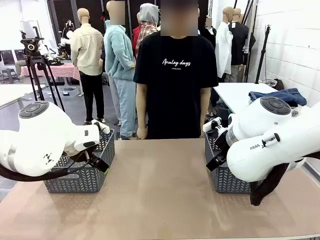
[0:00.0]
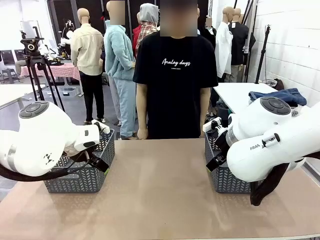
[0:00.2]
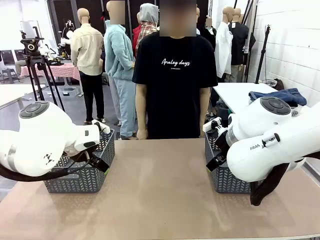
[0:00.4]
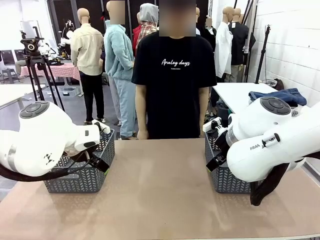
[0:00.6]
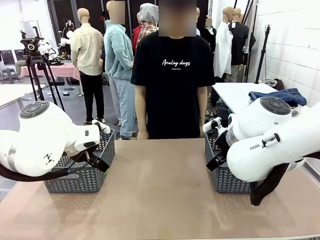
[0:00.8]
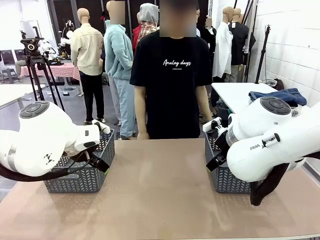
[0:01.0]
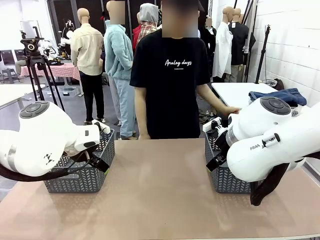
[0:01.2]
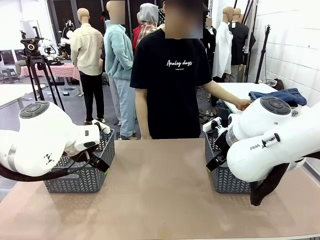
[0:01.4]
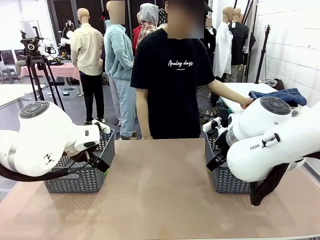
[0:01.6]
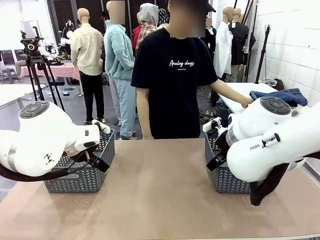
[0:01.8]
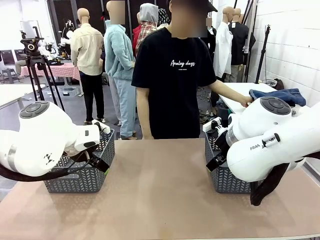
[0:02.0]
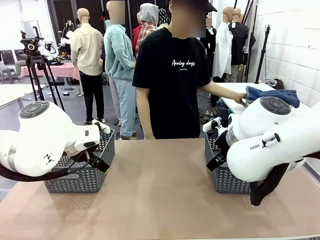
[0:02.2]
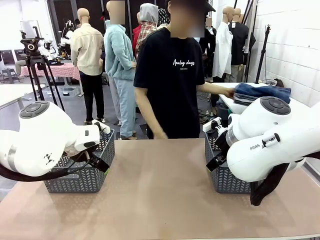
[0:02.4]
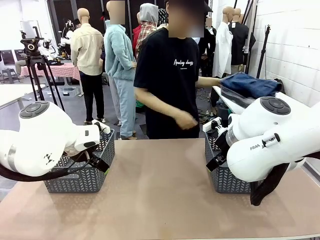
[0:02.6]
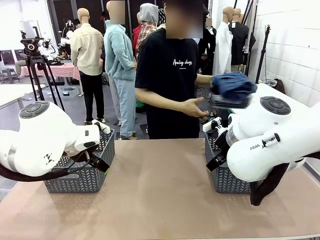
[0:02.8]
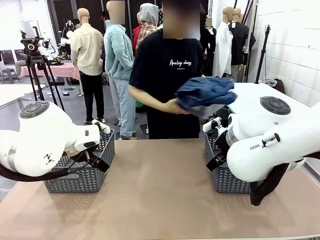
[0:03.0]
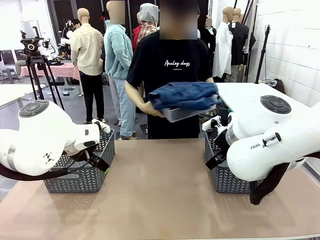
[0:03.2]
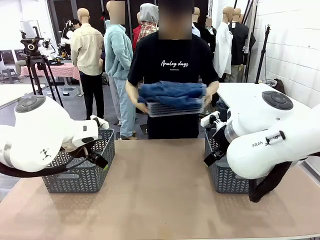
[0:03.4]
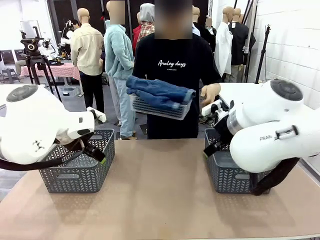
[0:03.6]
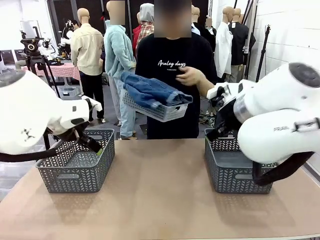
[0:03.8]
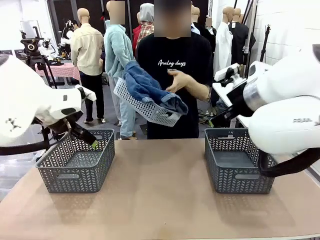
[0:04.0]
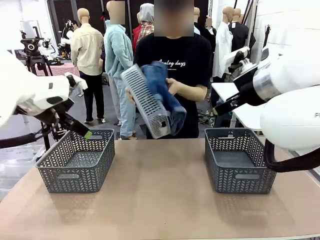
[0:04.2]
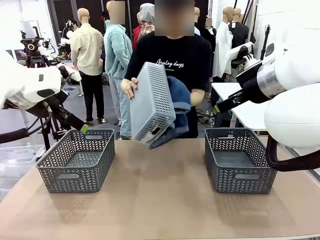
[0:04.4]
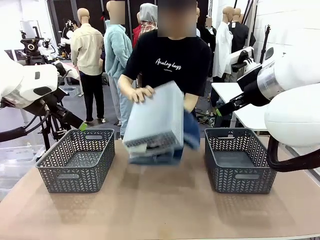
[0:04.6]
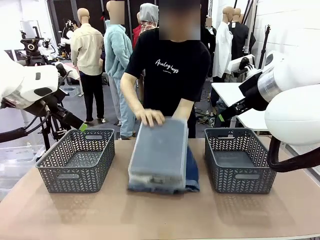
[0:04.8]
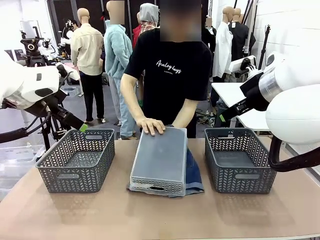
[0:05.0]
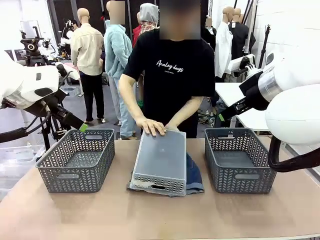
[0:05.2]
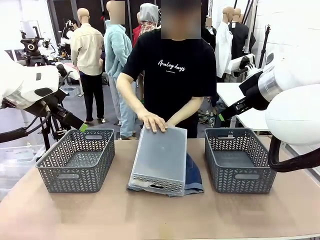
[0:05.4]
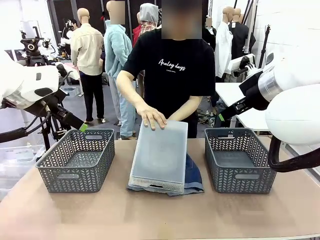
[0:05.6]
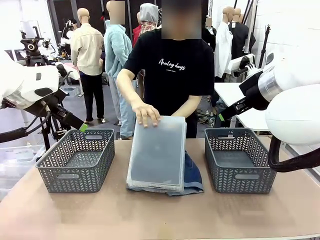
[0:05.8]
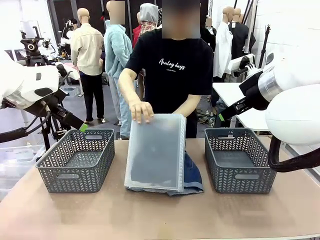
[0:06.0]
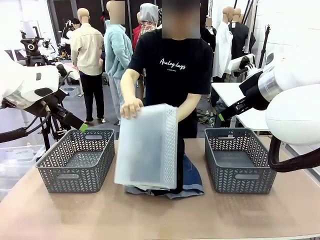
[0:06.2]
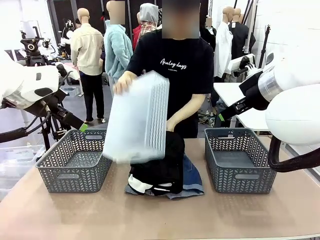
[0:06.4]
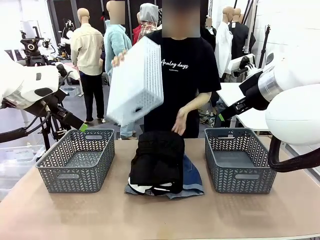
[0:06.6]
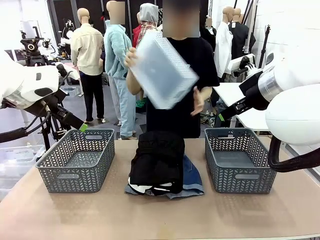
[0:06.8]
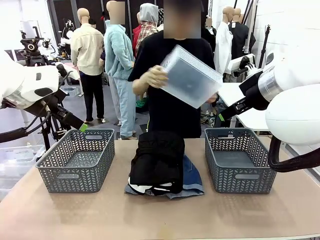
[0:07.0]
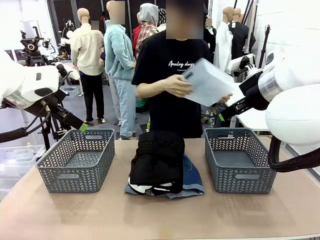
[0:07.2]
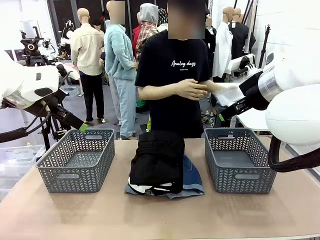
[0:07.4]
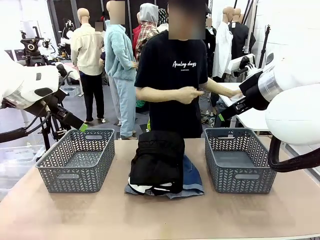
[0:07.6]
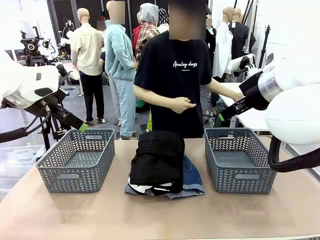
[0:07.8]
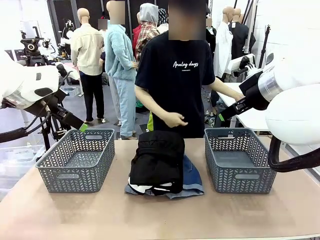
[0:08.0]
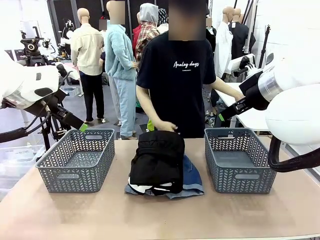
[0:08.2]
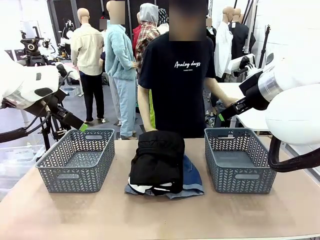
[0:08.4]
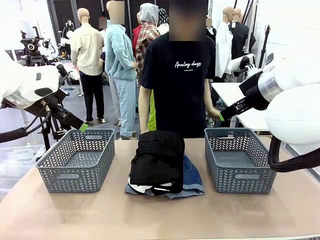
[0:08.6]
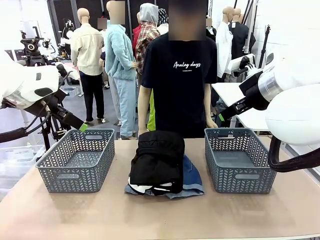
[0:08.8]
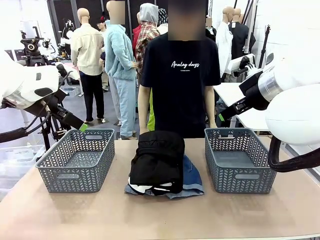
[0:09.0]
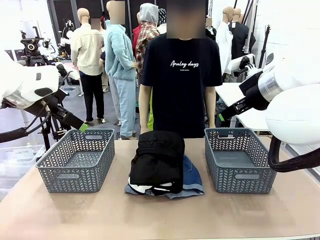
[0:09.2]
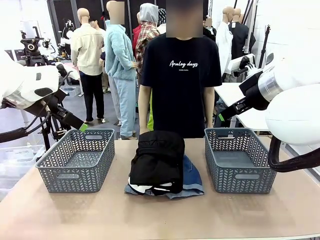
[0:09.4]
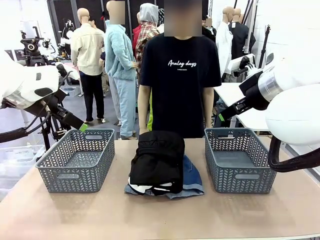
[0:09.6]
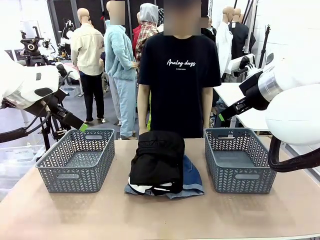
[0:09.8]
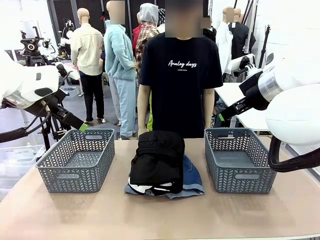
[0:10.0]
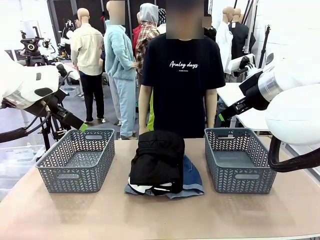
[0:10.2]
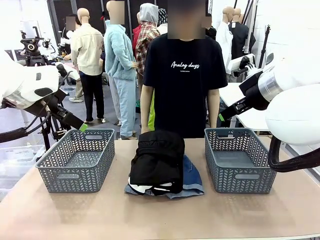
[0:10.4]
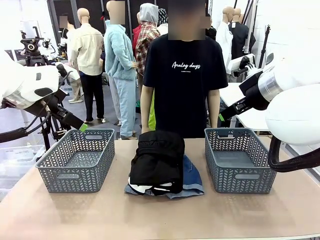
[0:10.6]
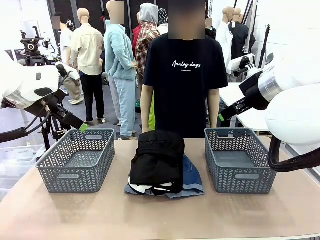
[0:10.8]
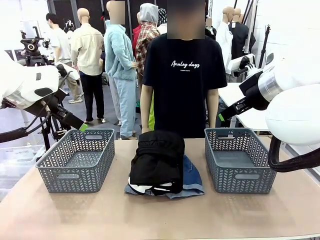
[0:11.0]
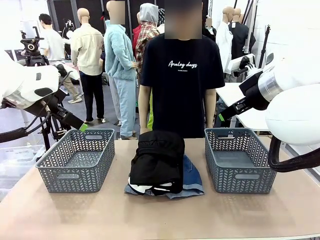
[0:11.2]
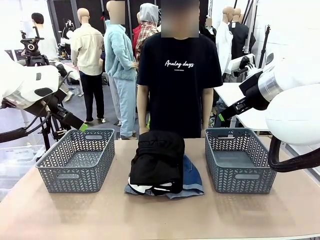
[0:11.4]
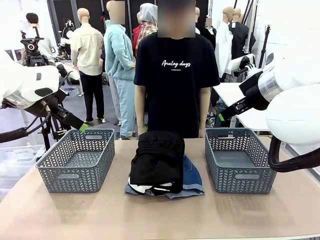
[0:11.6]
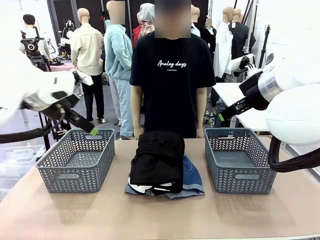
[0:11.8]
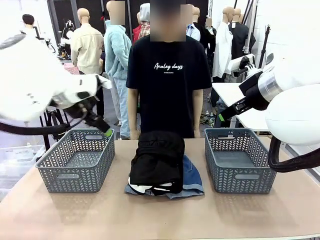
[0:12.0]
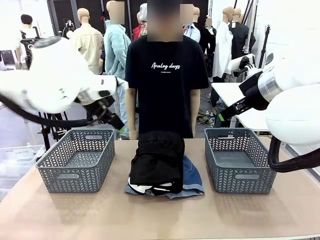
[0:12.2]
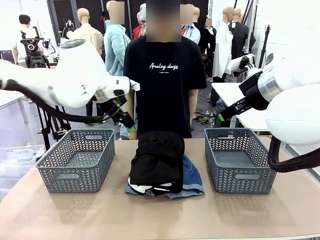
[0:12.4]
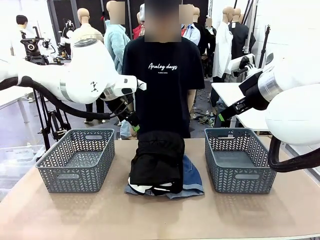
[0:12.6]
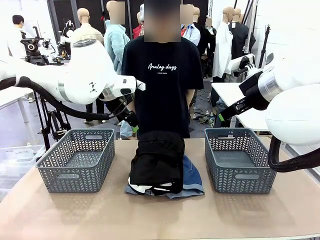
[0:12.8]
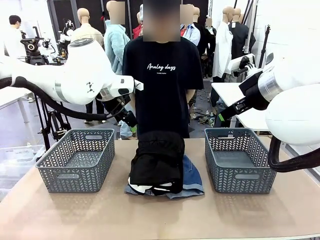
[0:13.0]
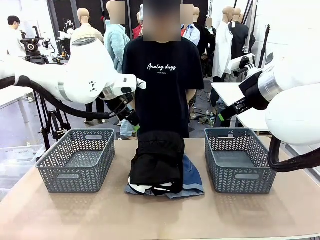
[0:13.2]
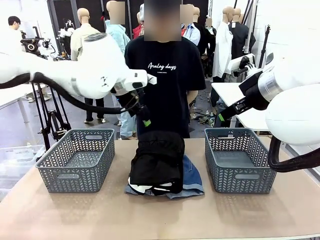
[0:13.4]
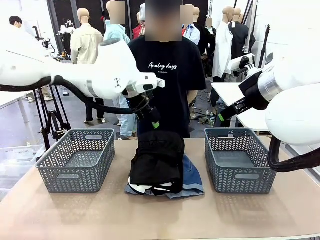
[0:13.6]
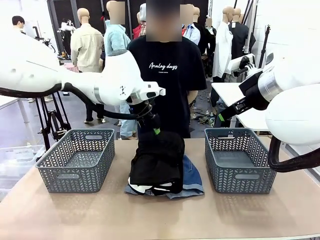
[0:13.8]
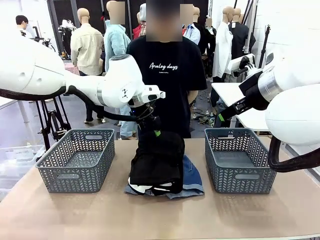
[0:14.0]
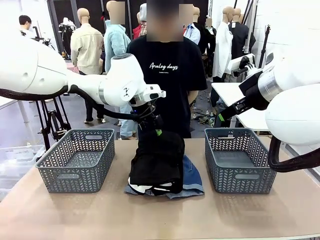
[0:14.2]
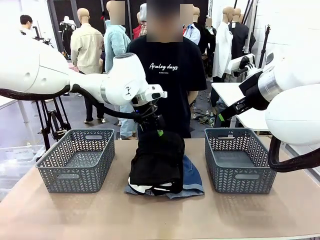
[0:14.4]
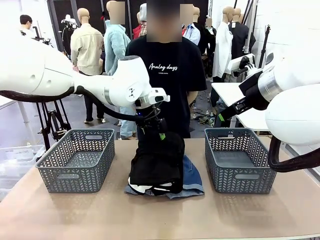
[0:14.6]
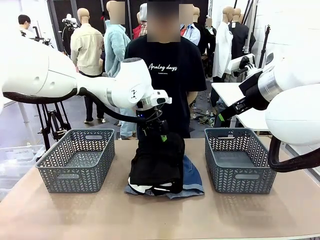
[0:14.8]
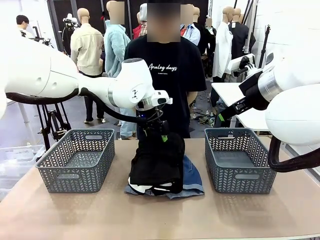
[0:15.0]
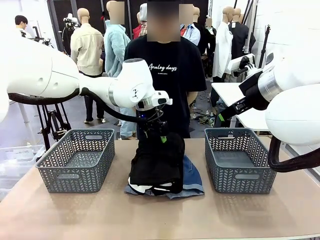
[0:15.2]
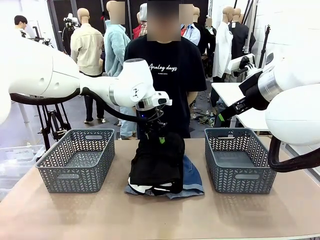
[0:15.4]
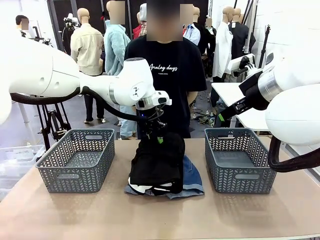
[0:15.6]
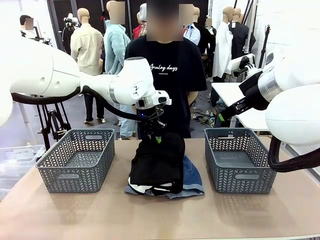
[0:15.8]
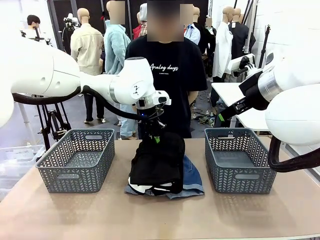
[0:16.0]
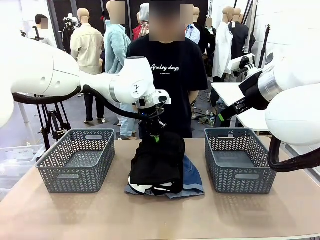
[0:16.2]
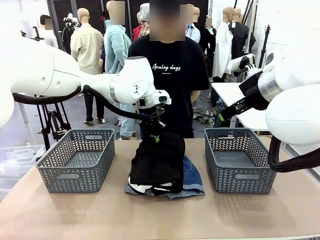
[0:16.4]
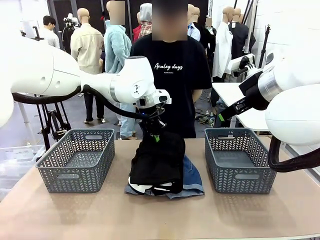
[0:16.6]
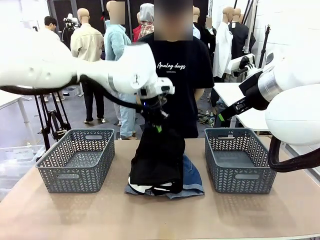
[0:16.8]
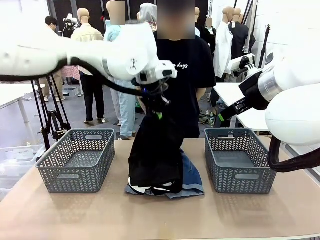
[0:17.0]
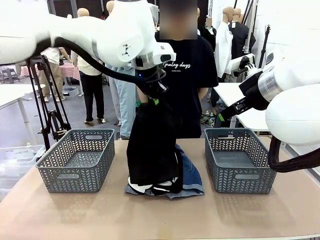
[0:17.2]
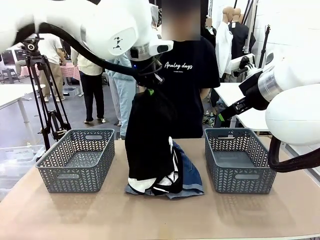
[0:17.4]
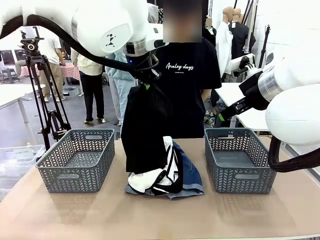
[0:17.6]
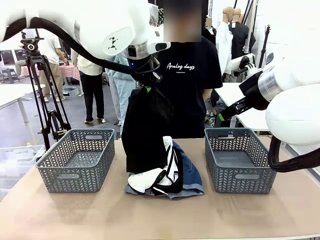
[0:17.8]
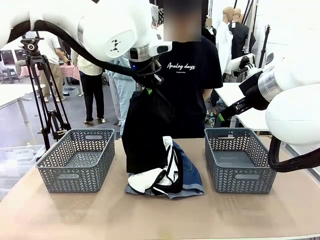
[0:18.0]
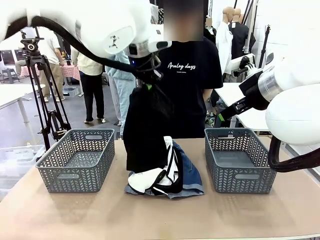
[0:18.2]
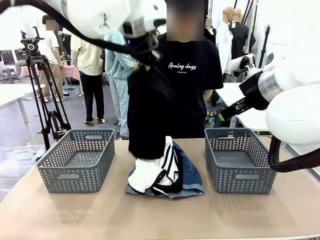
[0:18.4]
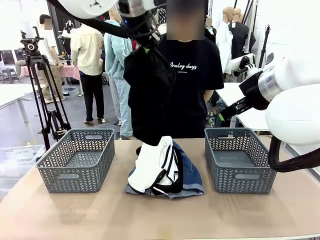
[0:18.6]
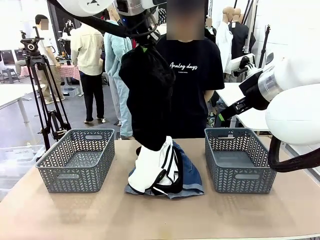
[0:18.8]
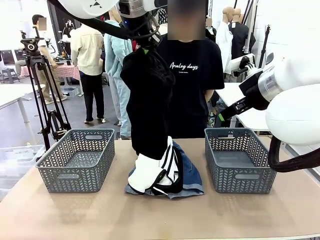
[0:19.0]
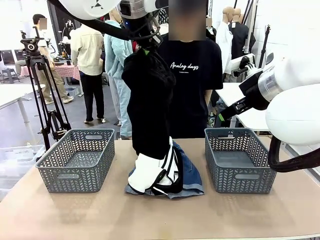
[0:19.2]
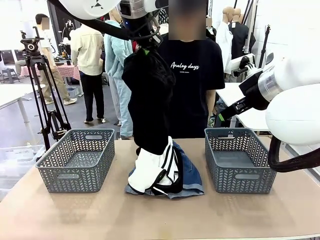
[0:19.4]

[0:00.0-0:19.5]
Task: Sort the tops and bottoms.
Robot: Lift clothes from the center of the table with your left hand.
Person: Pour the clothes from the basket onto the center of the robot table.
